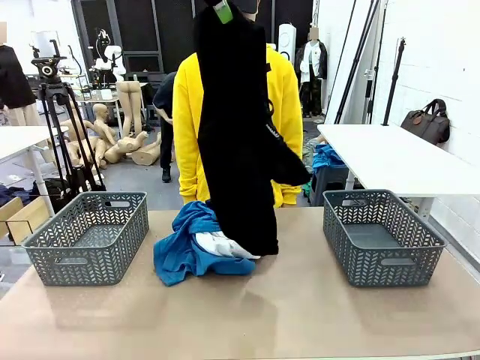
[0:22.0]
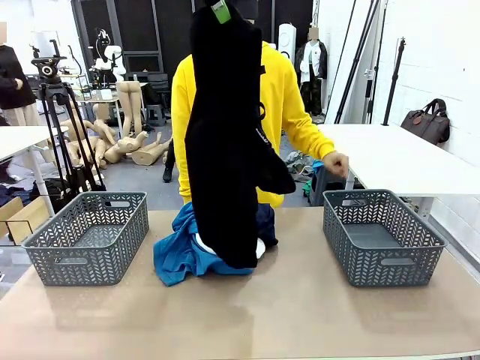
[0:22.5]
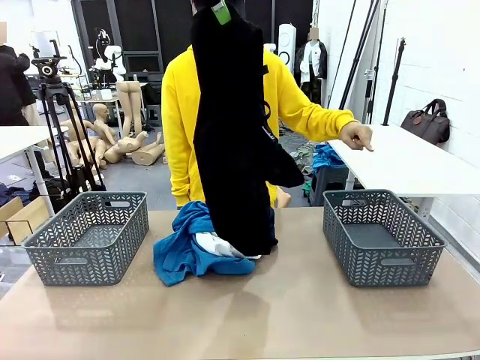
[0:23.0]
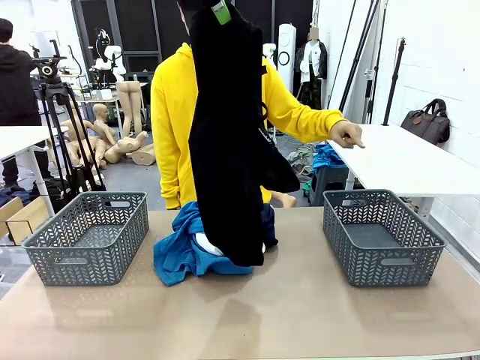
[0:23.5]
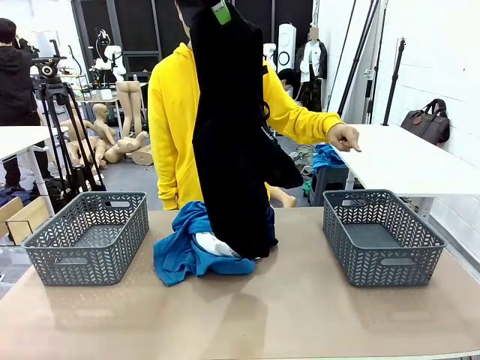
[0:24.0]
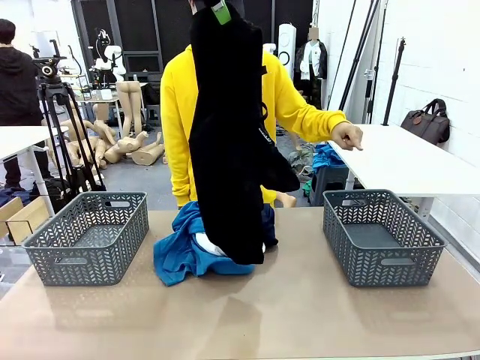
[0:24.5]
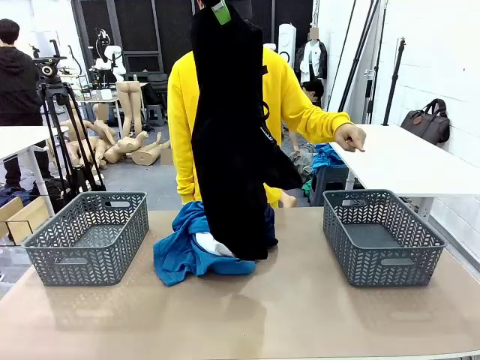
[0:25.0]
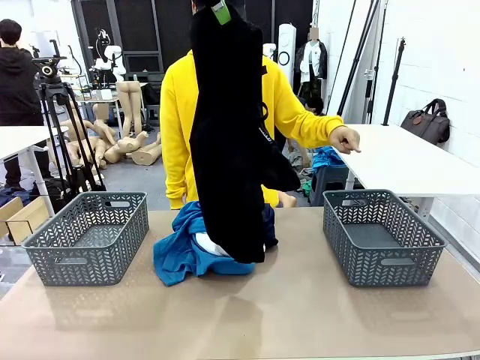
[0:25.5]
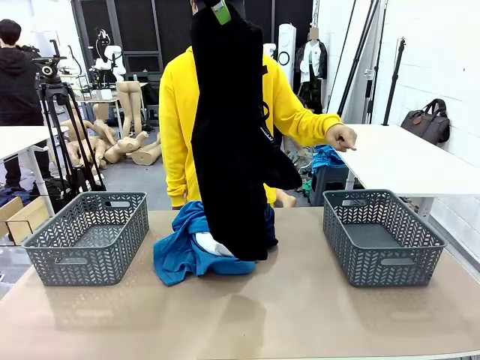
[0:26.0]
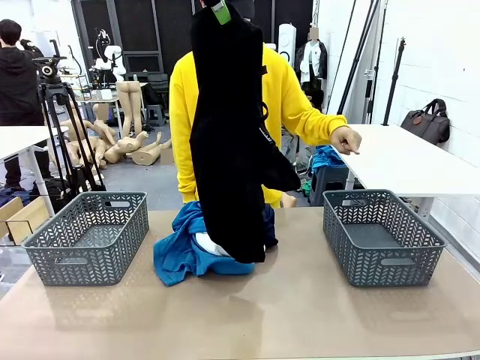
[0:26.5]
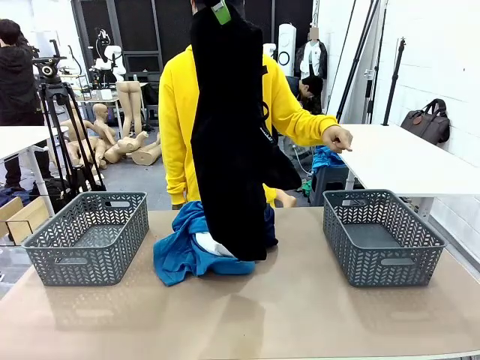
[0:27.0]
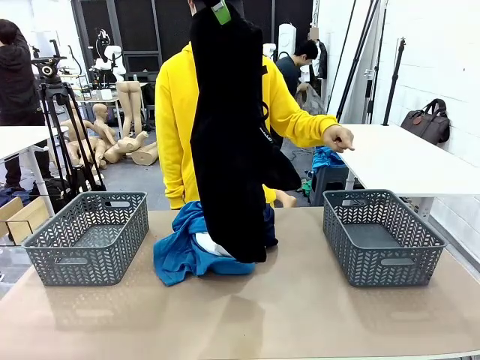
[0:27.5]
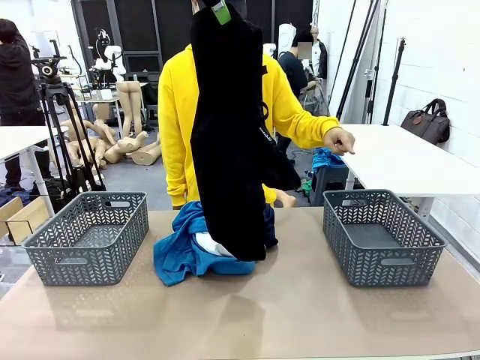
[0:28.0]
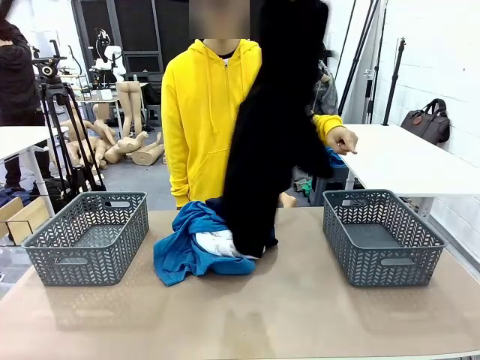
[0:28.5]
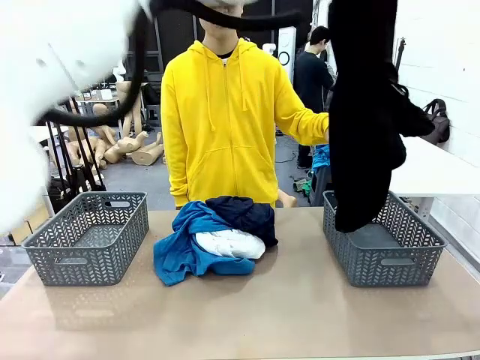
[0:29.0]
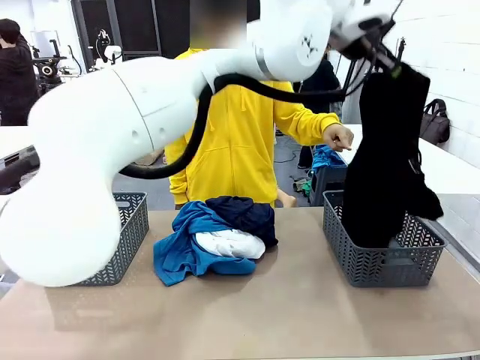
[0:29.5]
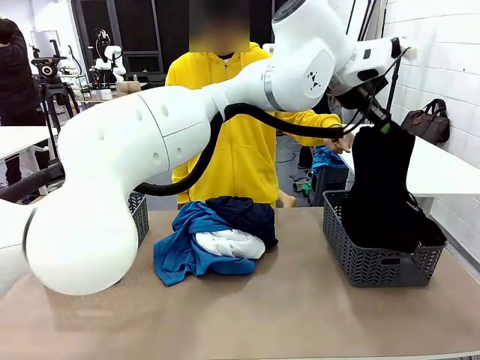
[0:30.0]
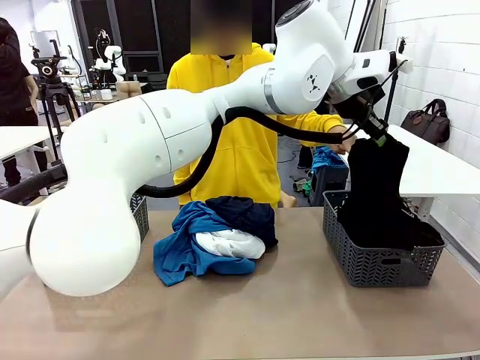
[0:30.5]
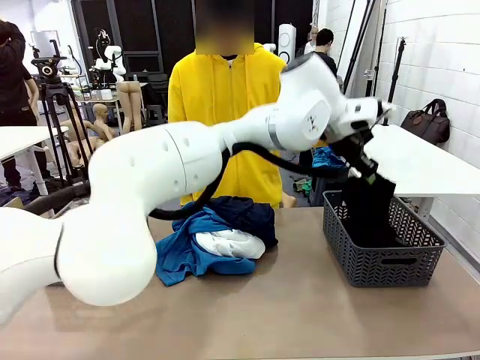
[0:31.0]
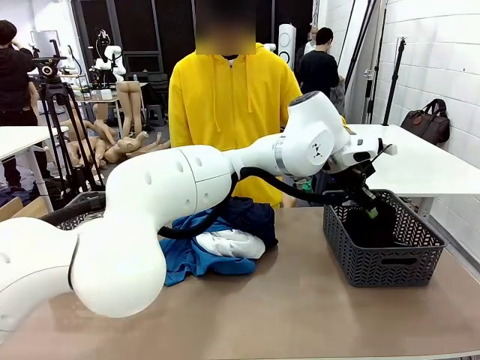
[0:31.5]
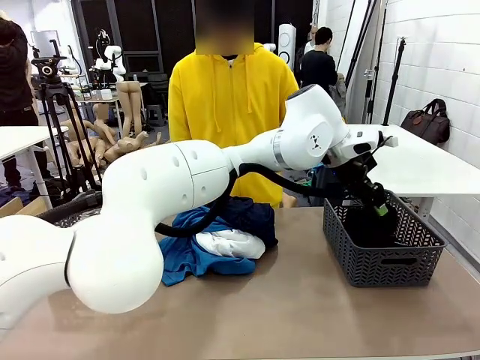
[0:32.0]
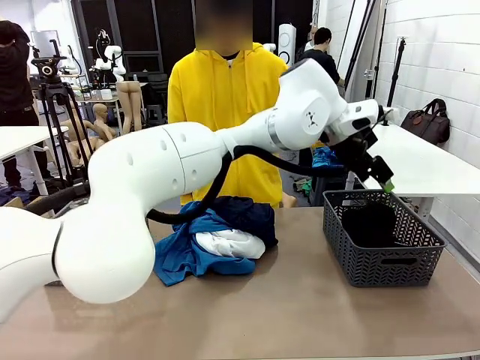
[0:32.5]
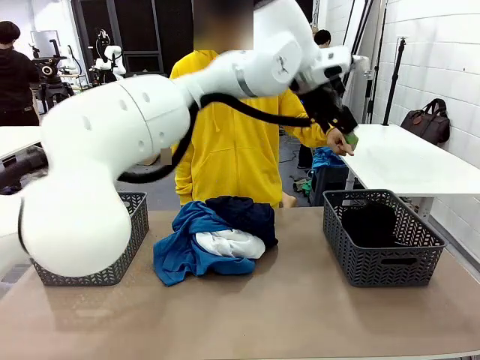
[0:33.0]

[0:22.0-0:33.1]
Task: Sort the tops and bottoms.
Robot: Sort the clothes according to human instructions.

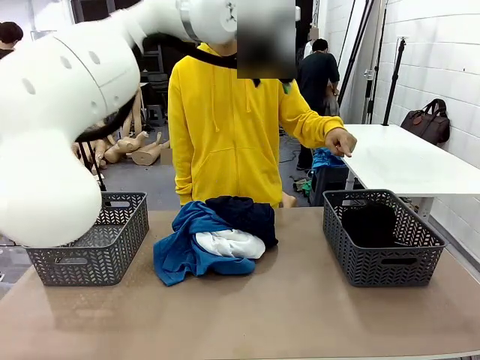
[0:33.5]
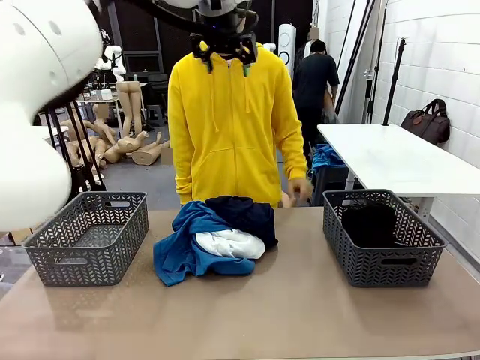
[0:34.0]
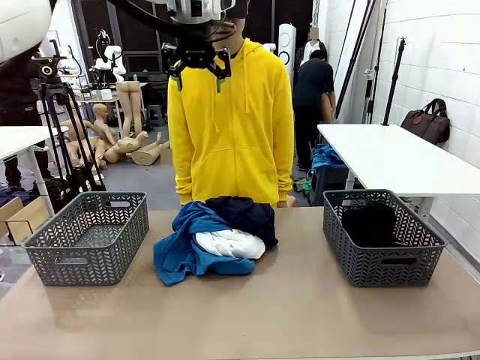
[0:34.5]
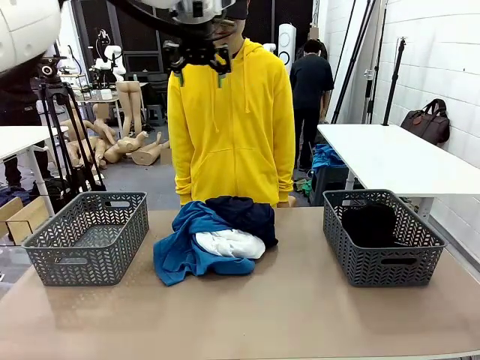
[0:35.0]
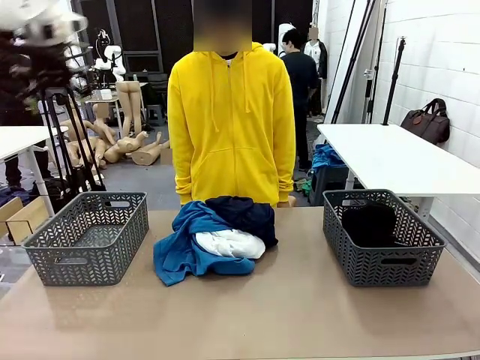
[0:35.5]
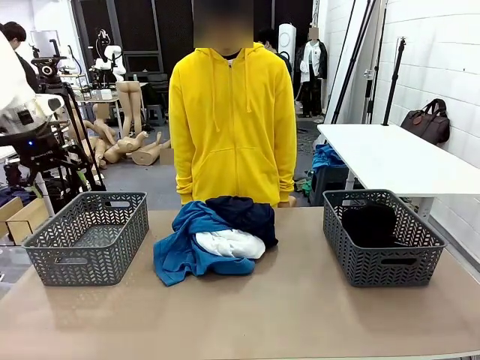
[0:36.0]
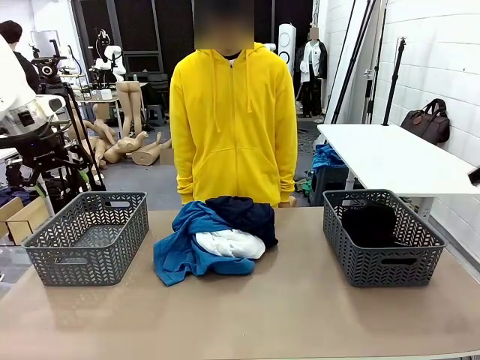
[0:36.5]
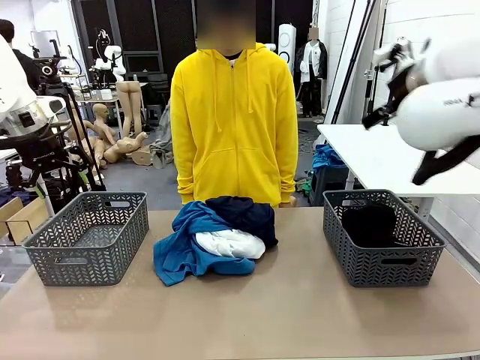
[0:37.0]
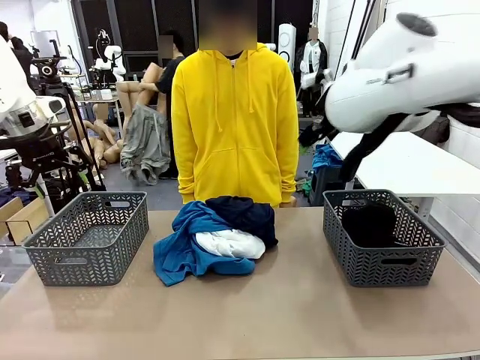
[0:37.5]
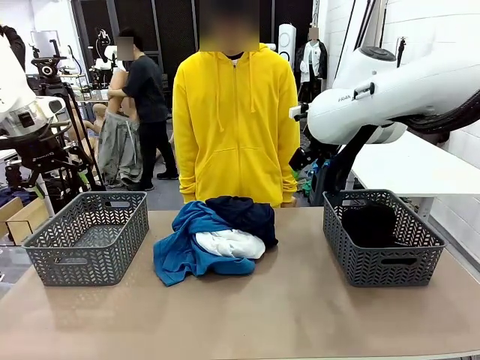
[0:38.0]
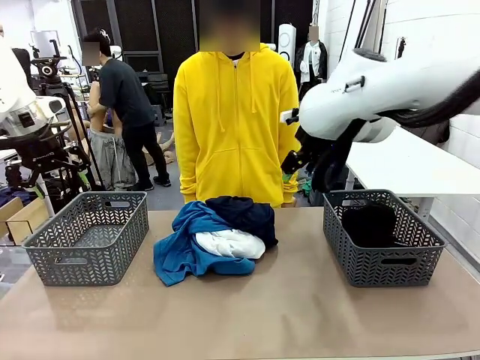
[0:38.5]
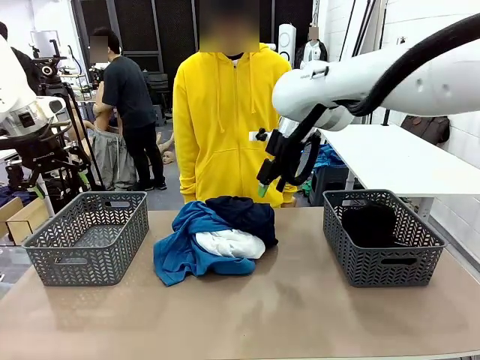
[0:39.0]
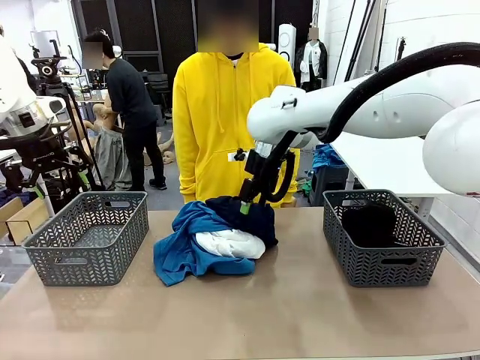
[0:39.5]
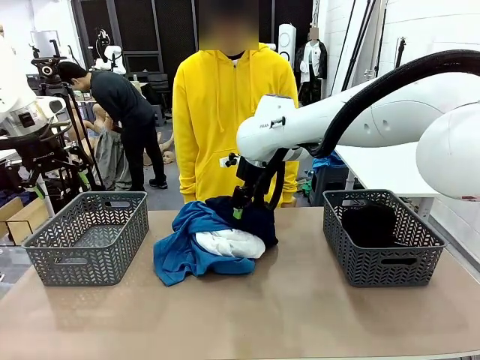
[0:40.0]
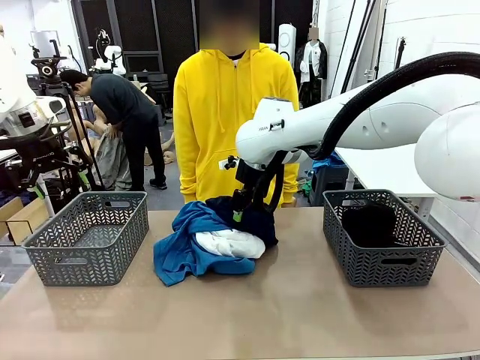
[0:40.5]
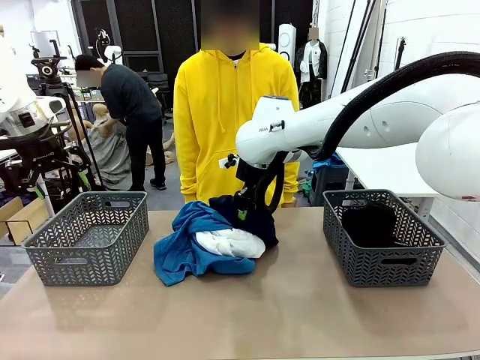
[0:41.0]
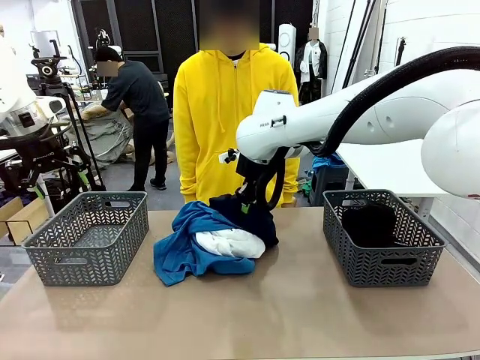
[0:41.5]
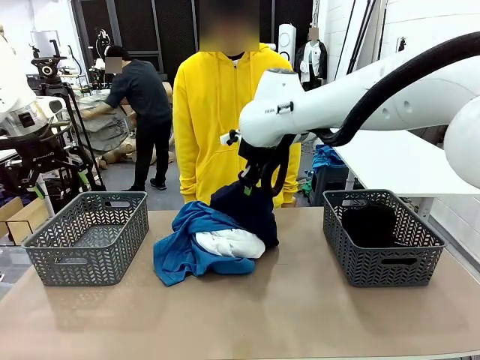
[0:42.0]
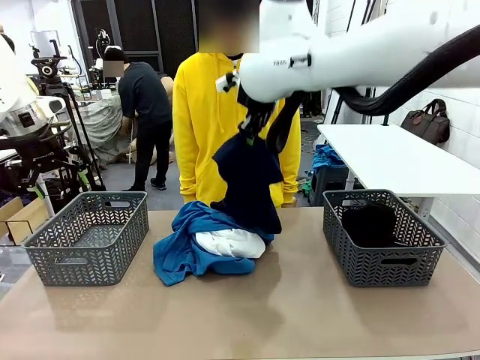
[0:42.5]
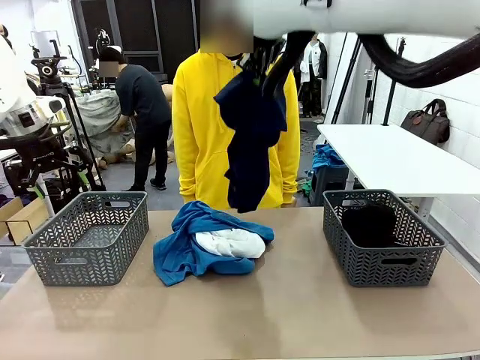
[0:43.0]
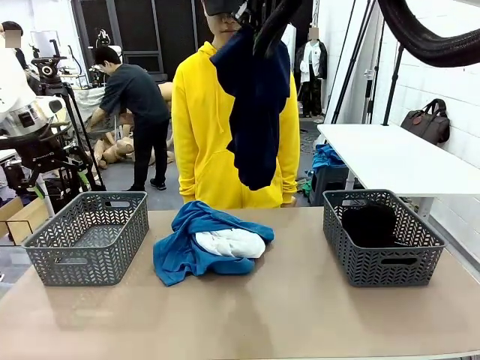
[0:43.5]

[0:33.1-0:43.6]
Robot: Lift clothes from the center of the table with your right hand.

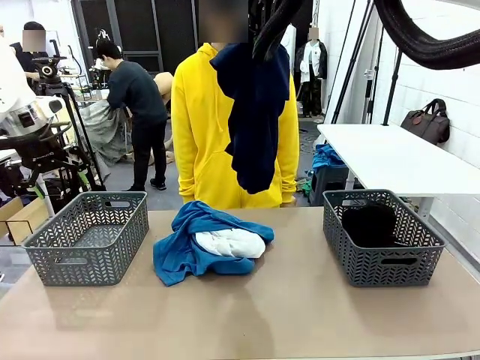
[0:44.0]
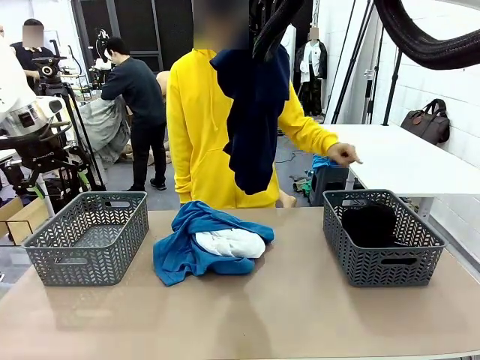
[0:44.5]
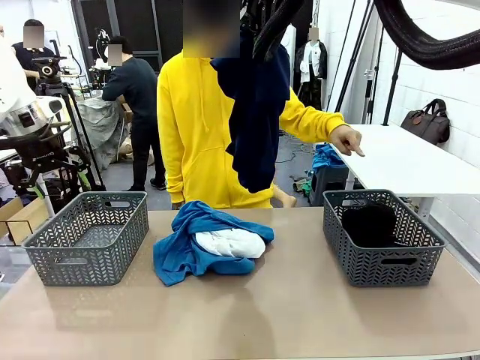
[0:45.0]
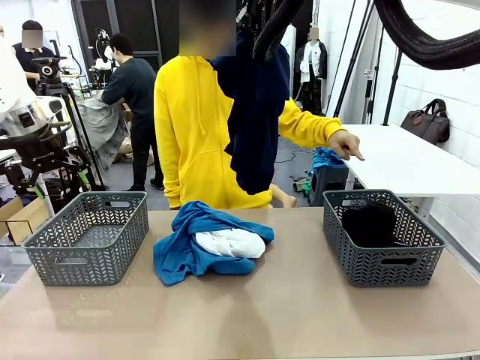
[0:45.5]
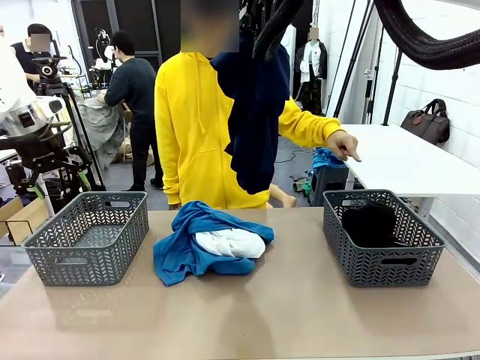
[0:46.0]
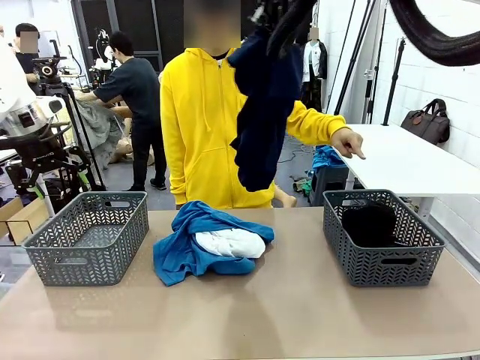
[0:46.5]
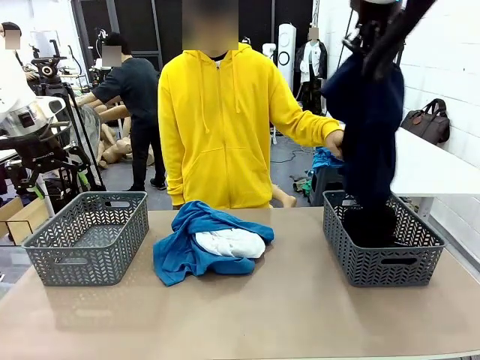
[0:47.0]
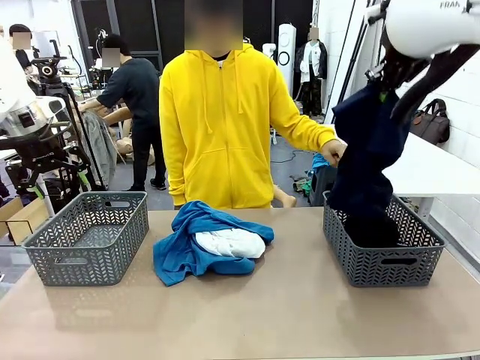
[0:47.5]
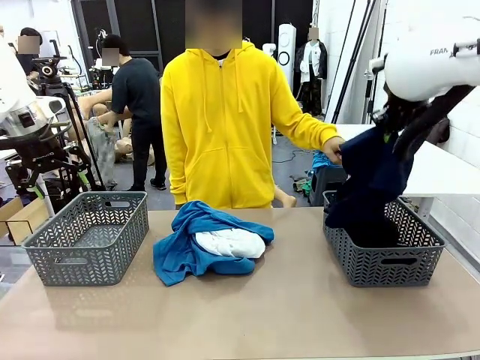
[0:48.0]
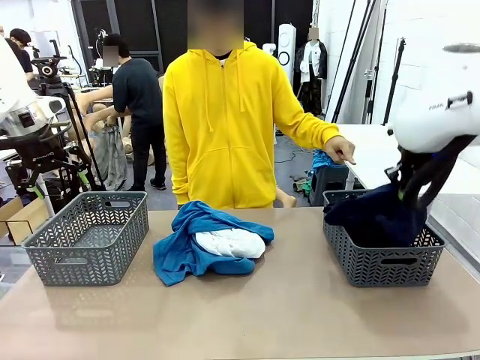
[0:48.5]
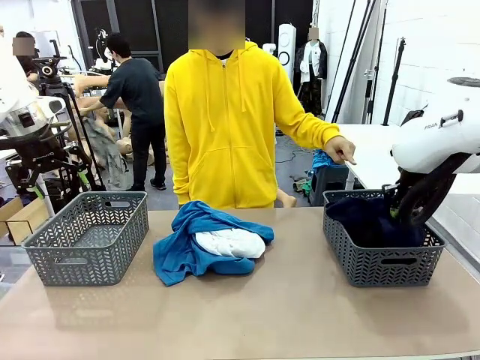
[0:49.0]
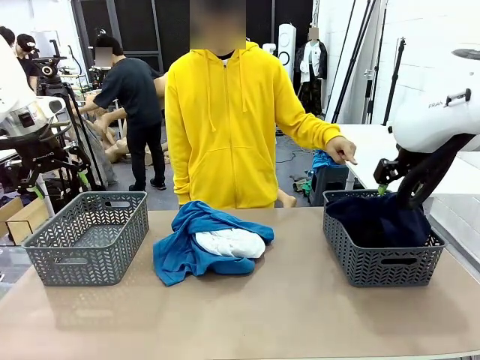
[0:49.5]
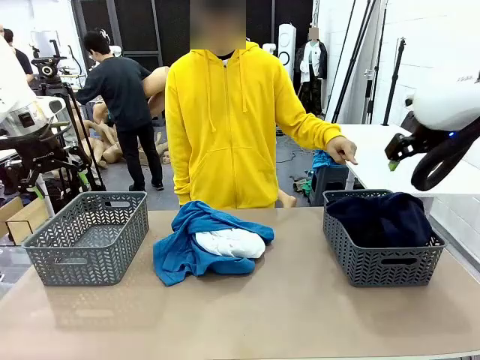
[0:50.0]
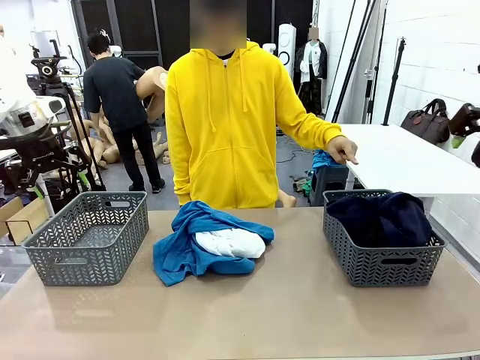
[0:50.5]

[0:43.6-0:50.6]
Robot: Sort the clothes according to human instructions.
